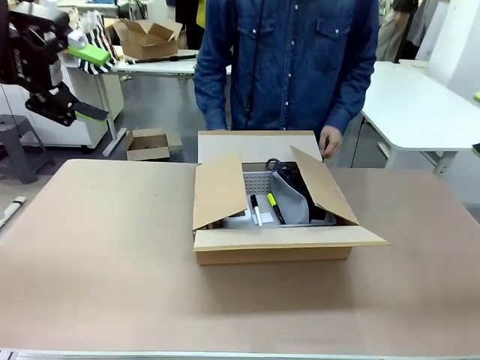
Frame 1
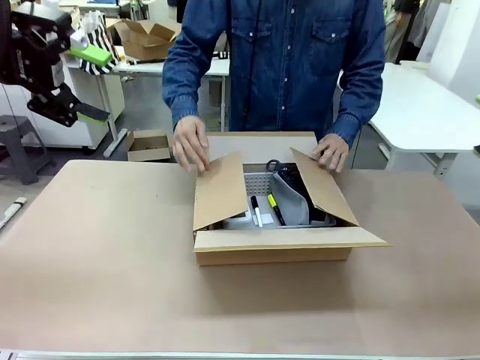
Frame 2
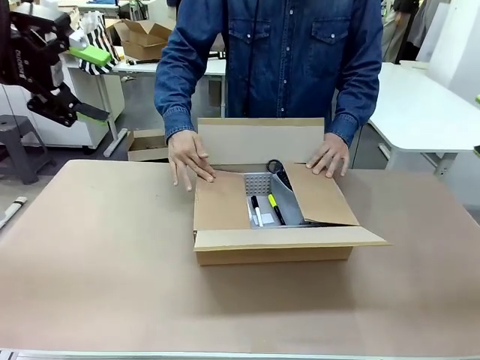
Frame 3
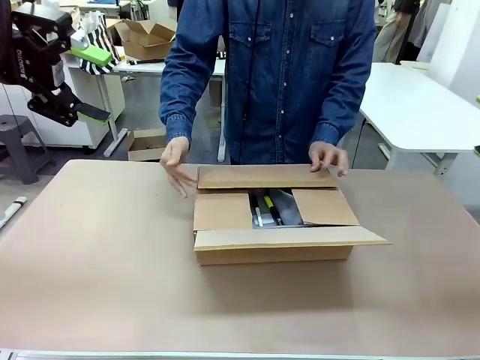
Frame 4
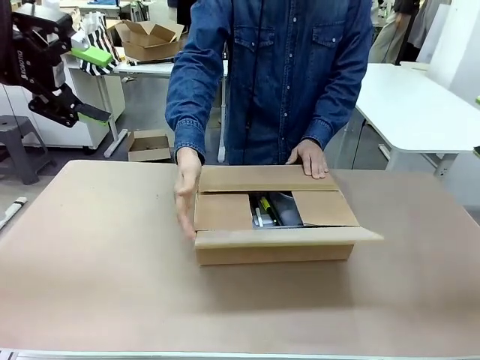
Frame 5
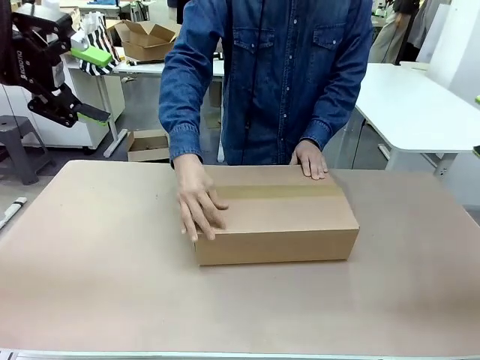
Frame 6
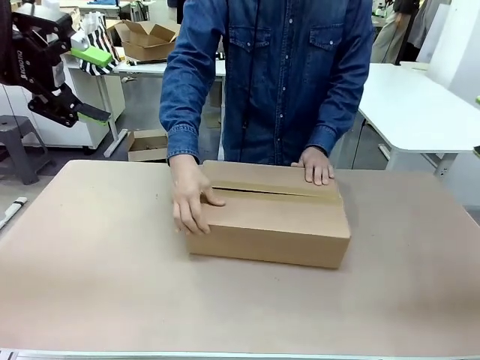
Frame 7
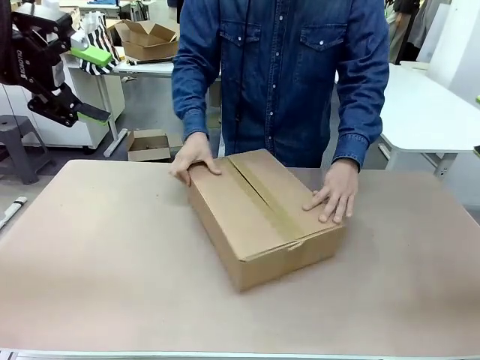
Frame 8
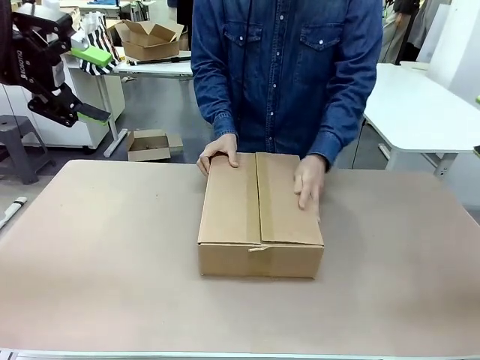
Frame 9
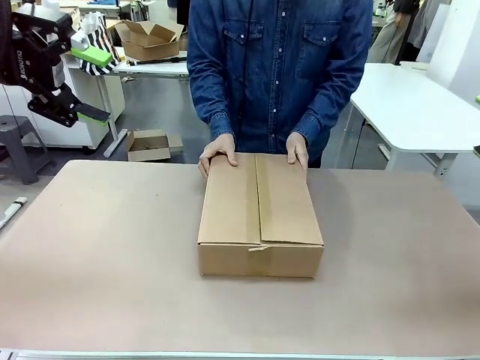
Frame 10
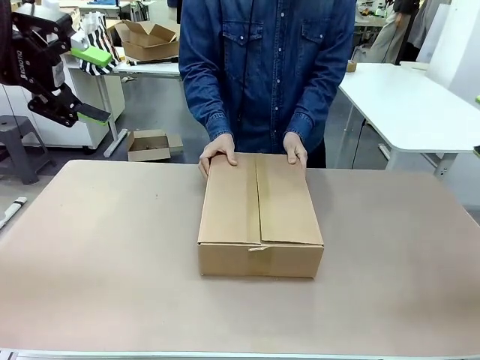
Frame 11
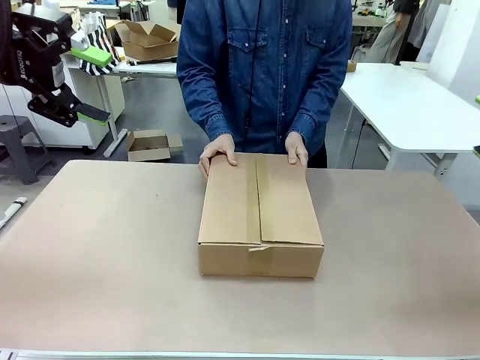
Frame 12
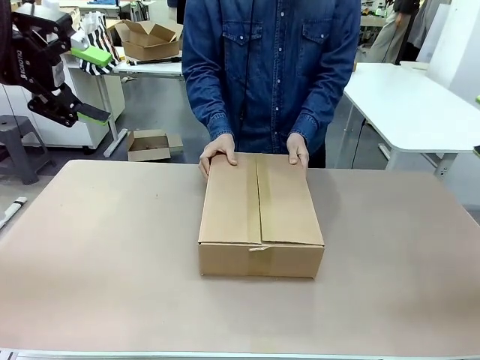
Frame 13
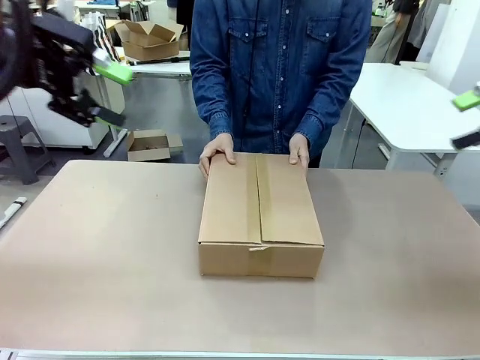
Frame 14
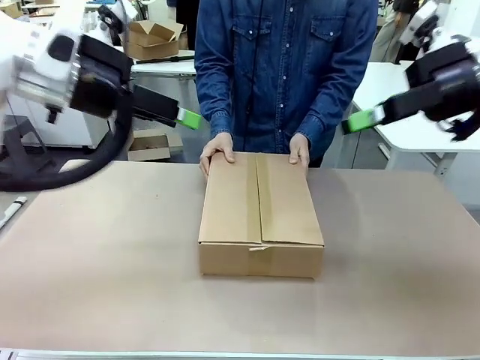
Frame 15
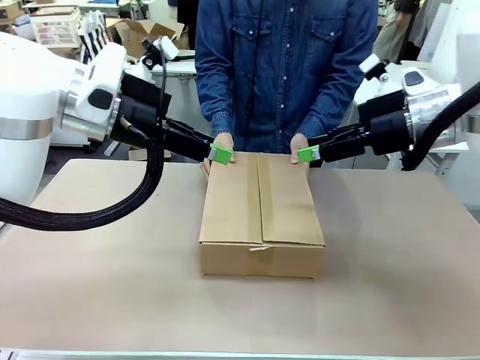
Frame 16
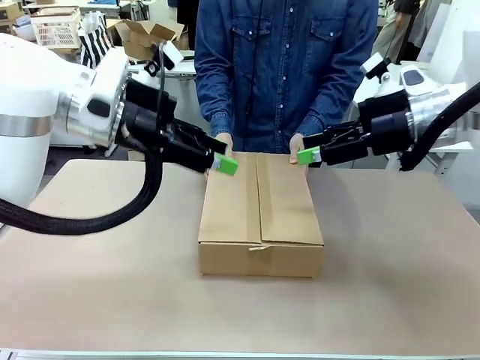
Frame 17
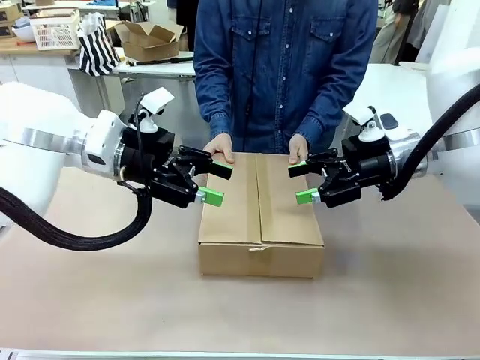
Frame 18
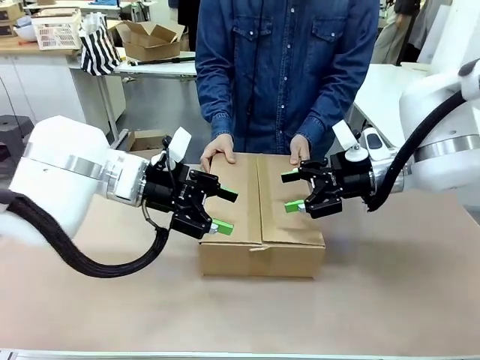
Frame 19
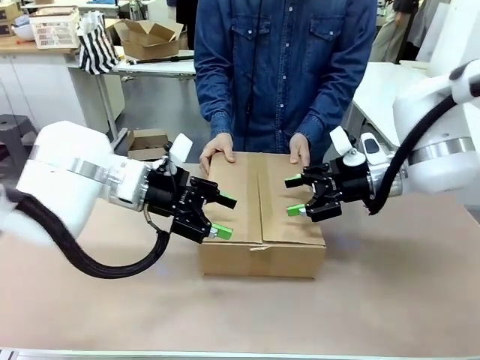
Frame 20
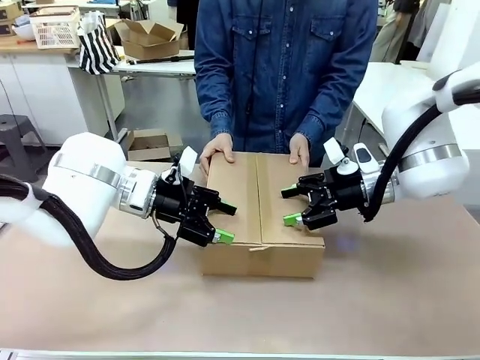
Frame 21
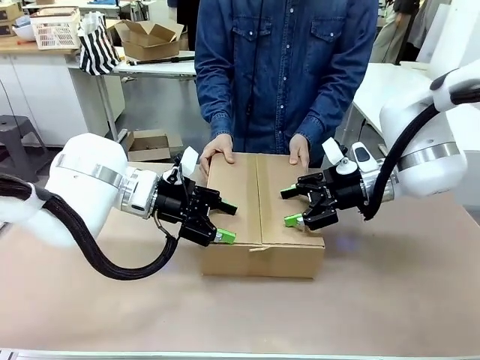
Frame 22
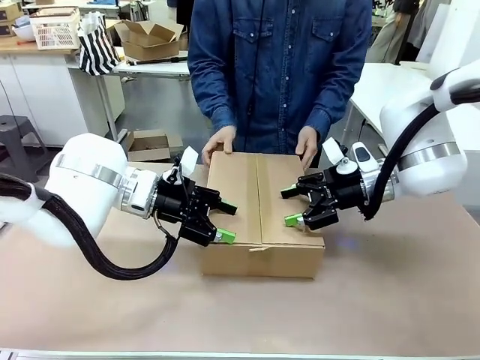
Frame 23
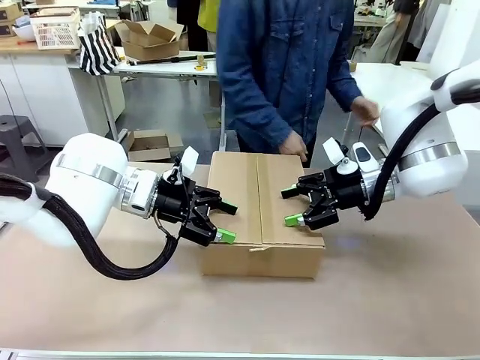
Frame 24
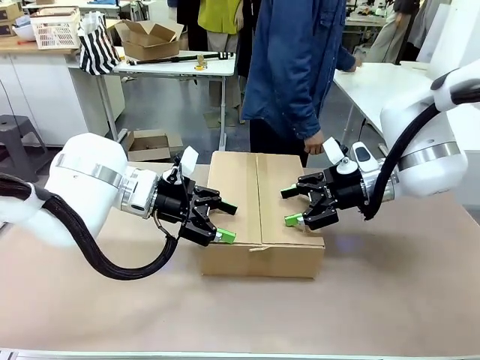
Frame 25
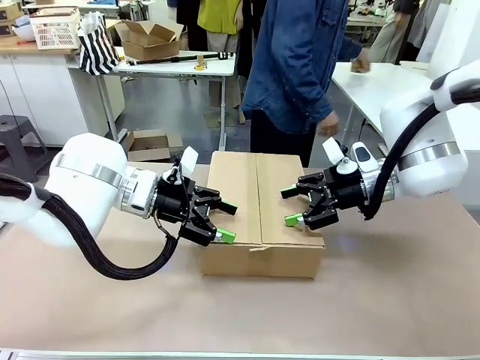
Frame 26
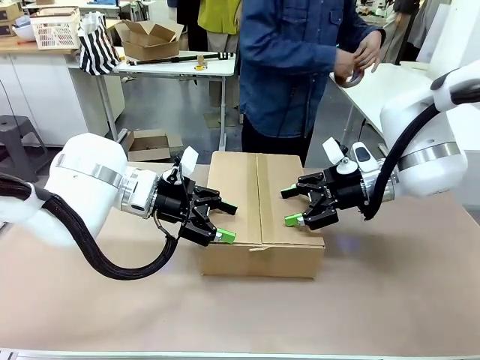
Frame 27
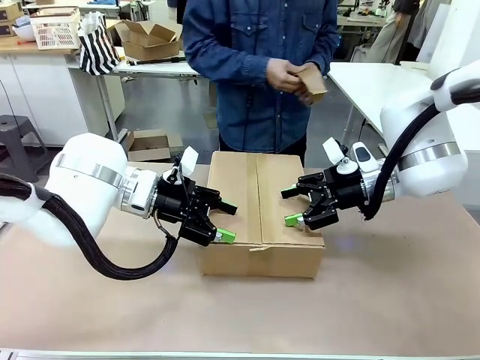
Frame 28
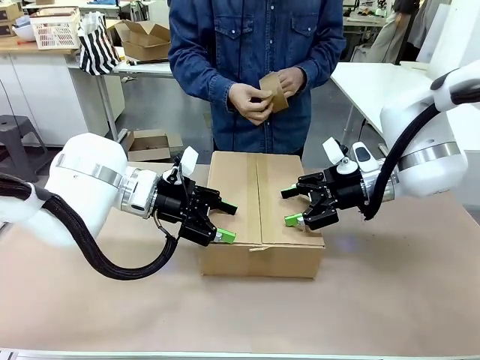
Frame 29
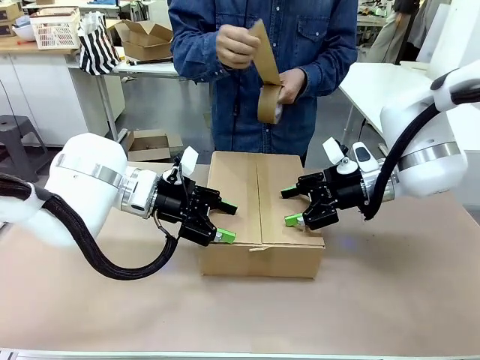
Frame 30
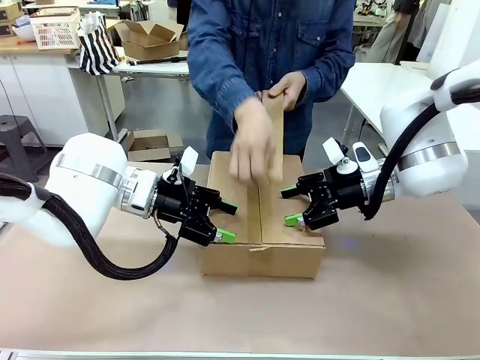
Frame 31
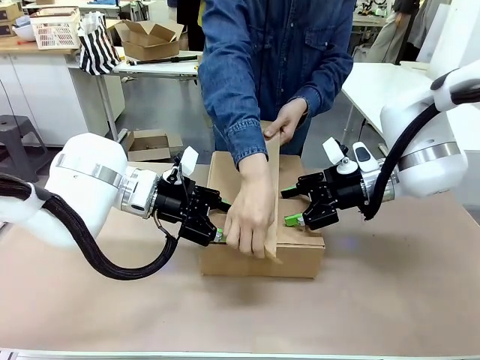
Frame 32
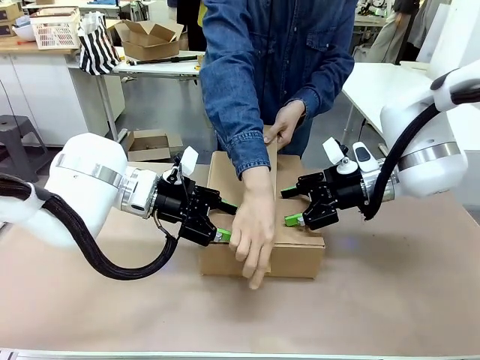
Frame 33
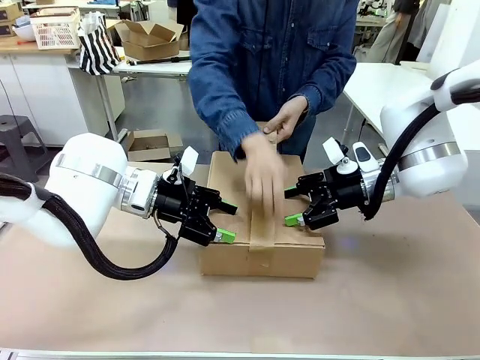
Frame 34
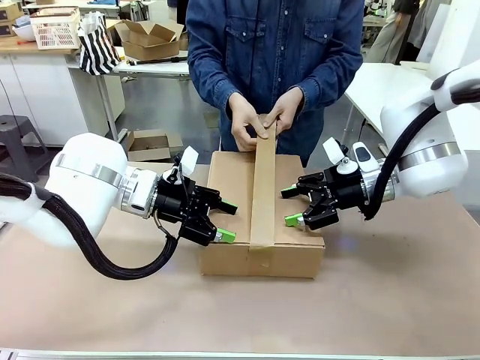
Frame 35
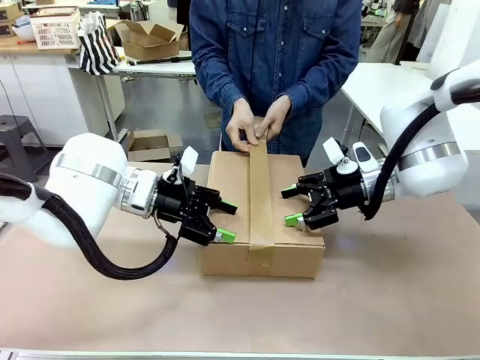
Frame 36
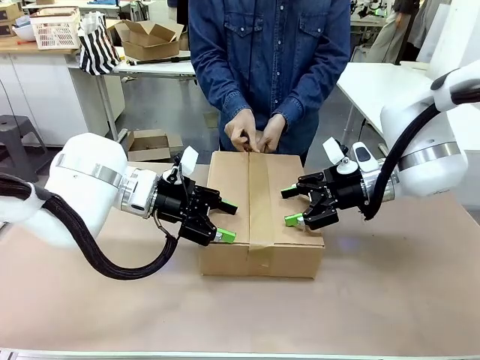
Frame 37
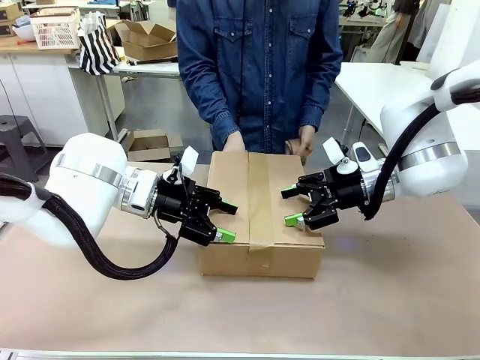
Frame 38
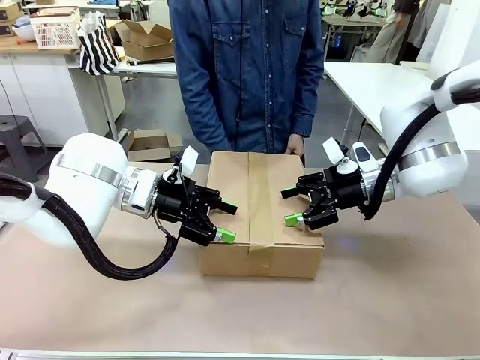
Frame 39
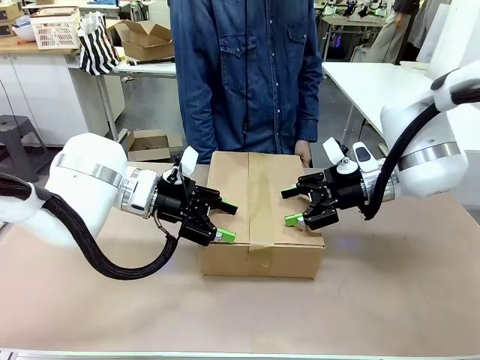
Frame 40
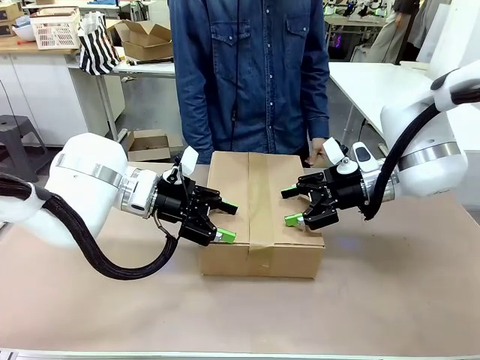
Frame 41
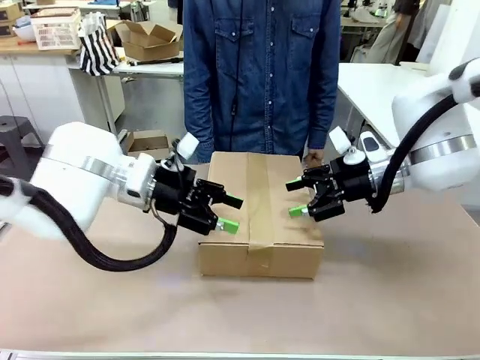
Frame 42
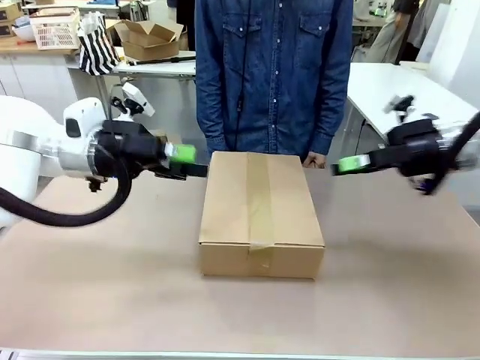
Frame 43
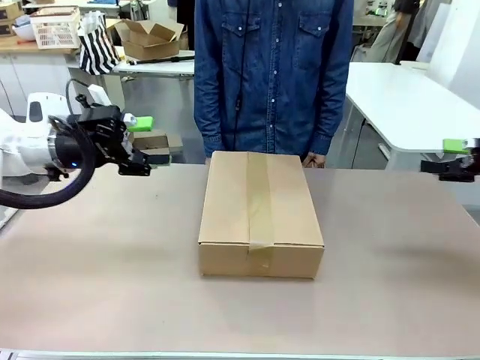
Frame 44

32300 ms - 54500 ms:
Task: Pack the gift set into the box.
Robot: Press and hold the closed box until the human finishes sealing it.
Person: The human closes the box and rotates the box by 90 degrees. The human picks up the paper tape from the human table and packs the box.

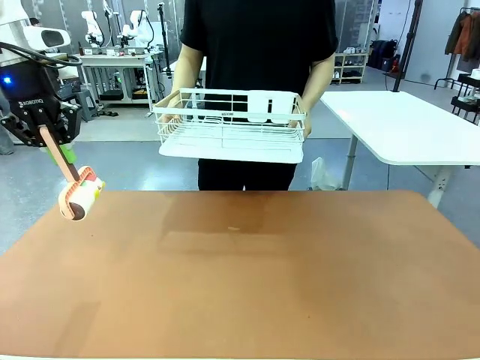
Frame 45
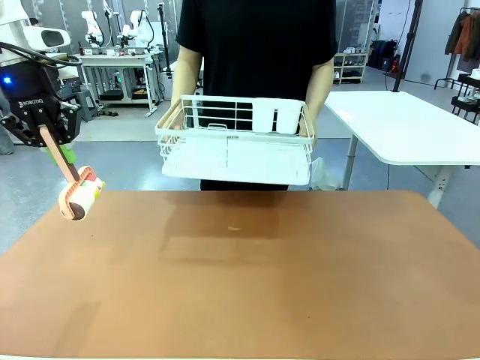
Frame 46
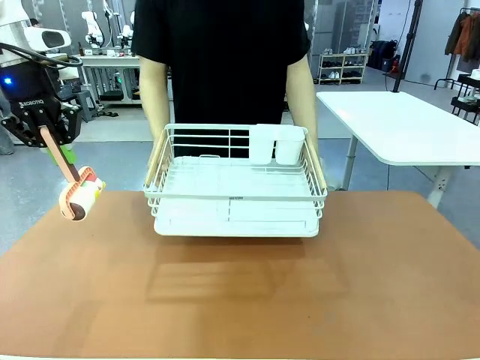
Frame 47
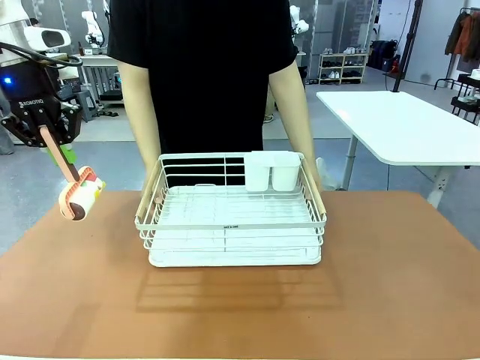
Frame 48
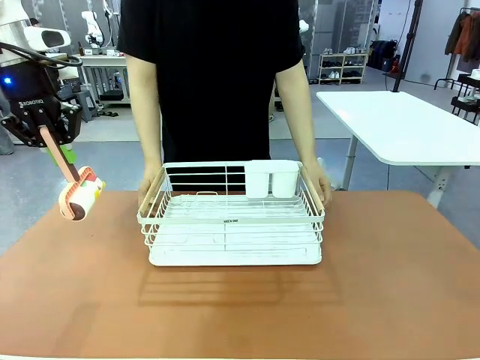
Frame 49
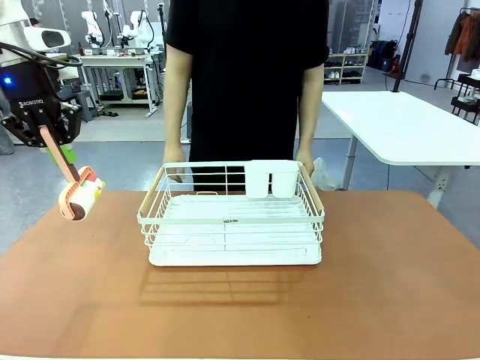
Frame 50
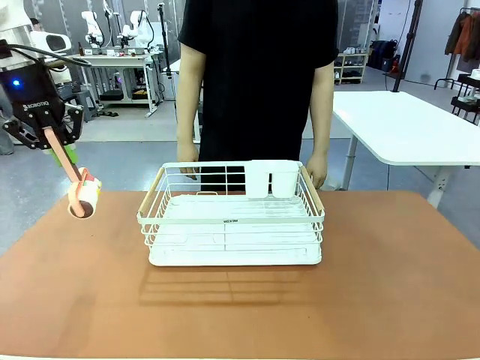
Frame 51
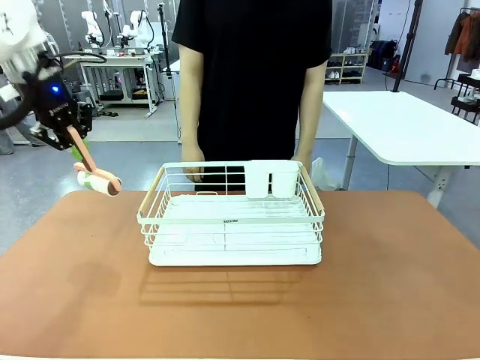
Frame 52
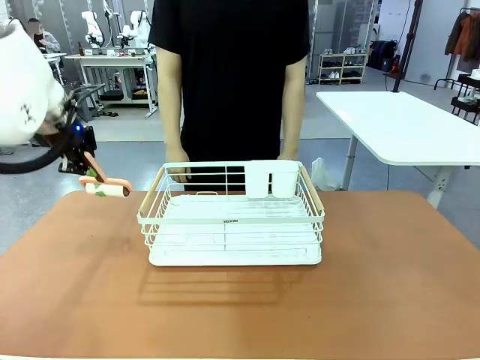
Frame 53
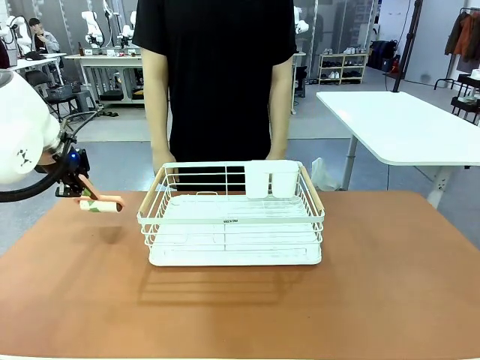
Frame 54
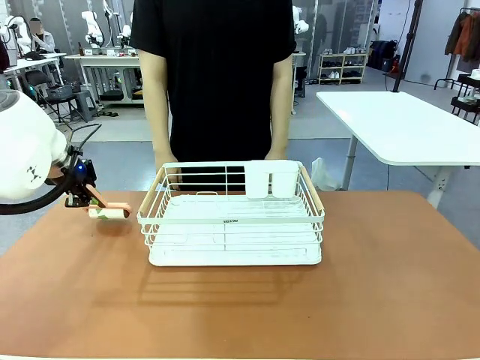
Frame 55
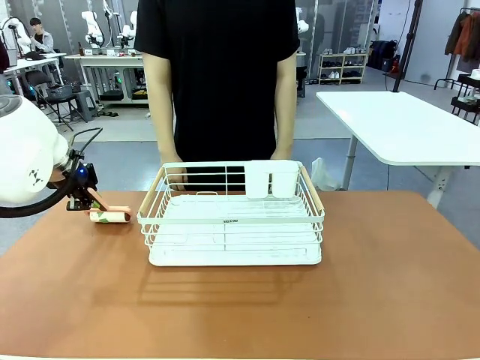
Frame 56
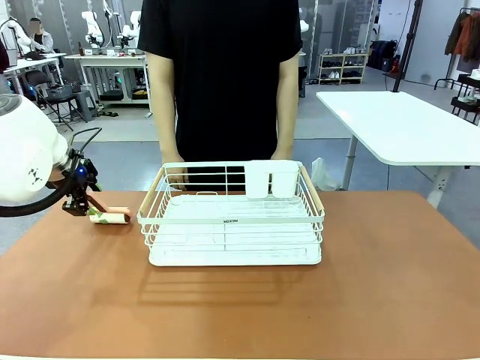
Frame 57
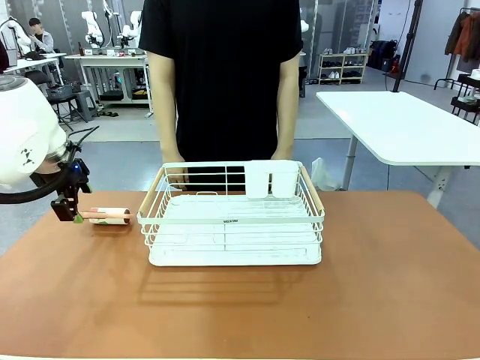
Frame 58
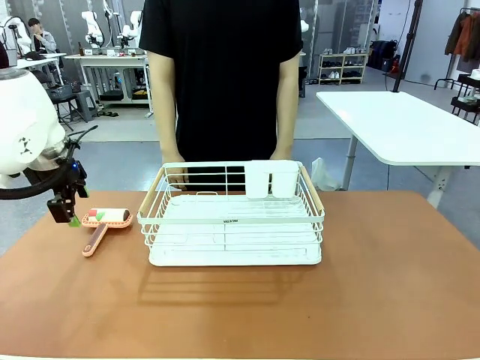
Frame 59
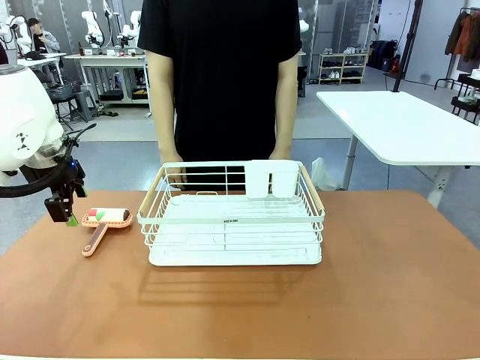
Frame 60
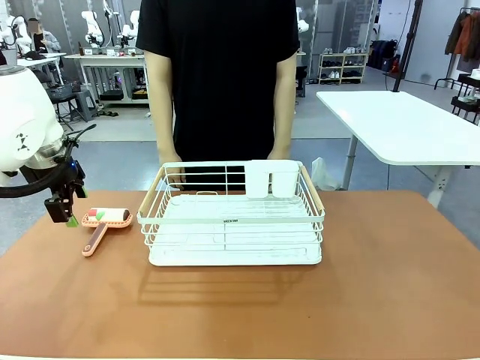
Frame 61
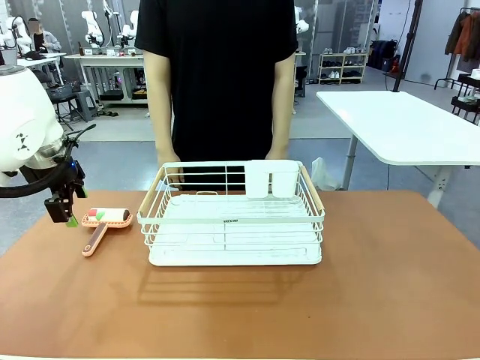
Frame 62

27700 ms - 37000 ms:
Task: Clean the table.
Robot: Place the Lint Roller down when the Dish drying rack is positioned in the middle of the table.
